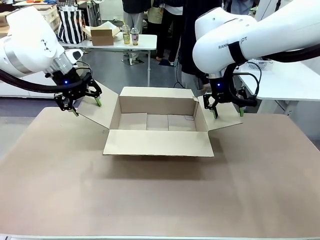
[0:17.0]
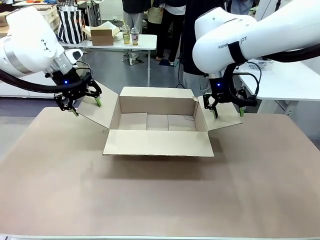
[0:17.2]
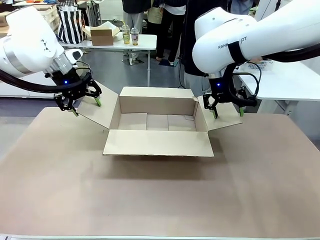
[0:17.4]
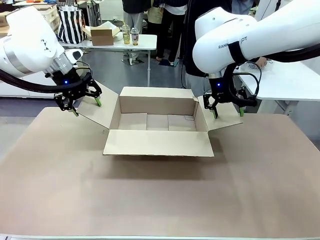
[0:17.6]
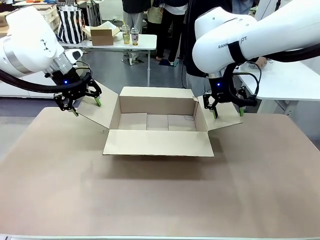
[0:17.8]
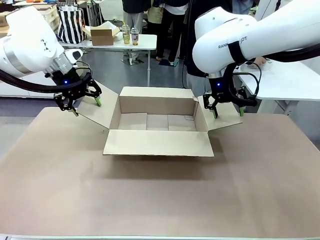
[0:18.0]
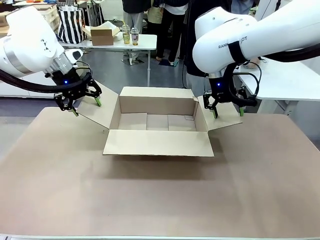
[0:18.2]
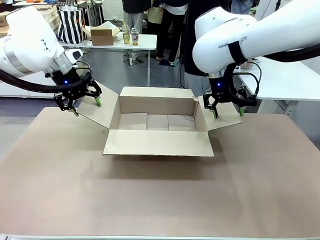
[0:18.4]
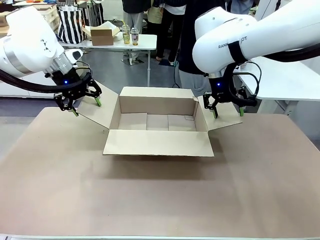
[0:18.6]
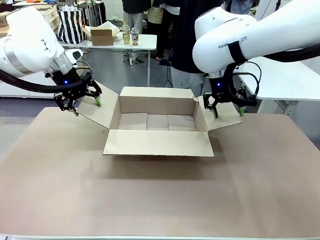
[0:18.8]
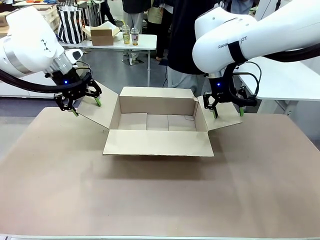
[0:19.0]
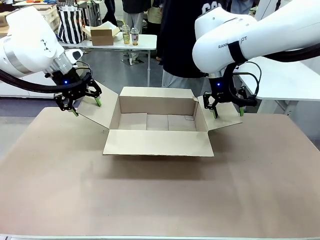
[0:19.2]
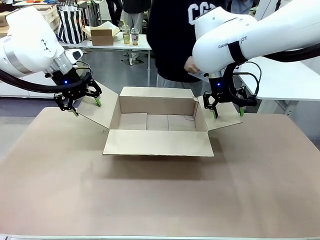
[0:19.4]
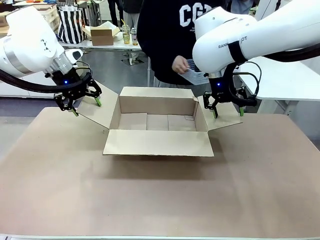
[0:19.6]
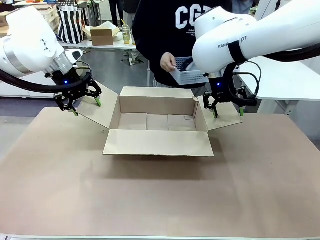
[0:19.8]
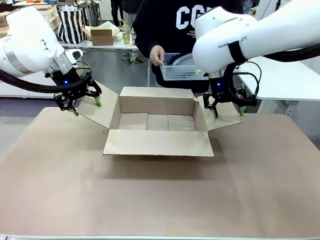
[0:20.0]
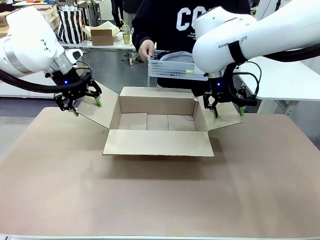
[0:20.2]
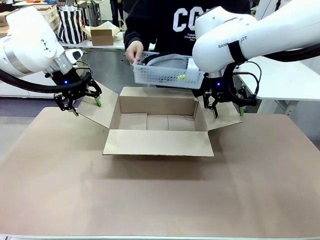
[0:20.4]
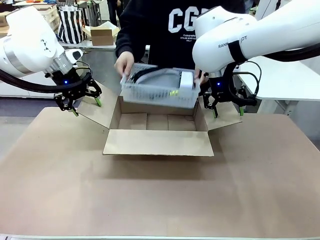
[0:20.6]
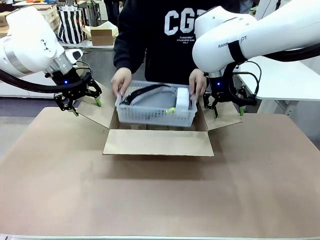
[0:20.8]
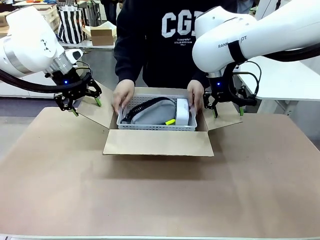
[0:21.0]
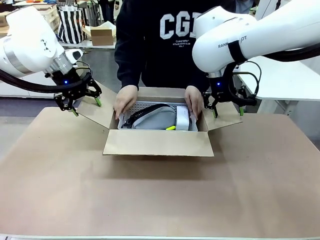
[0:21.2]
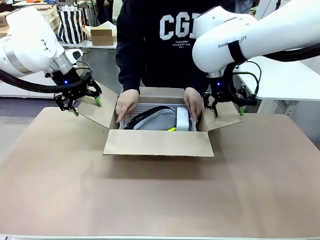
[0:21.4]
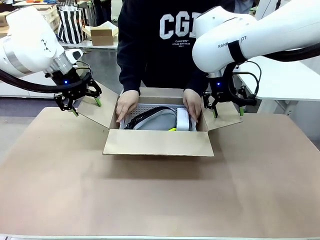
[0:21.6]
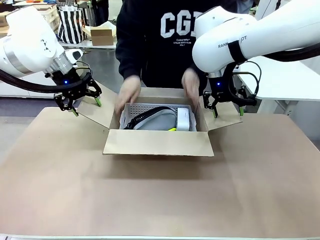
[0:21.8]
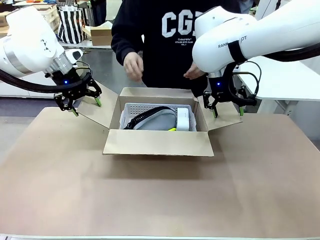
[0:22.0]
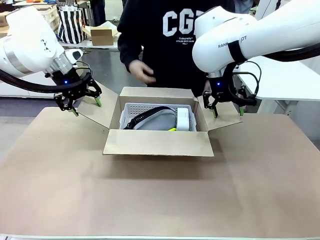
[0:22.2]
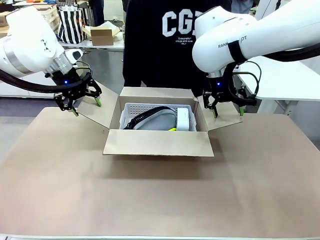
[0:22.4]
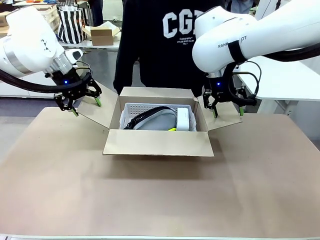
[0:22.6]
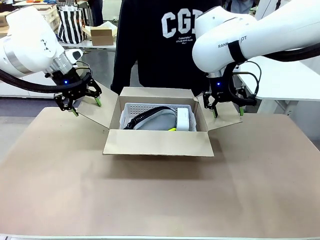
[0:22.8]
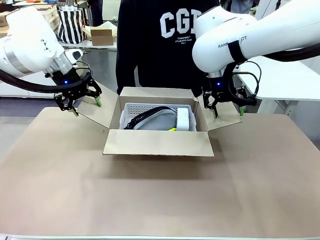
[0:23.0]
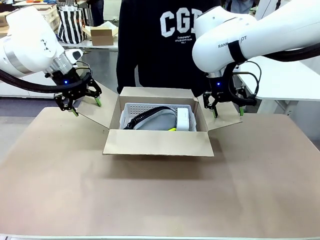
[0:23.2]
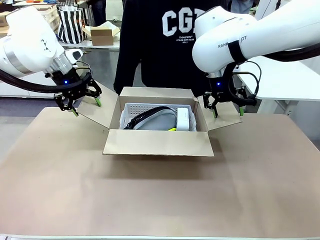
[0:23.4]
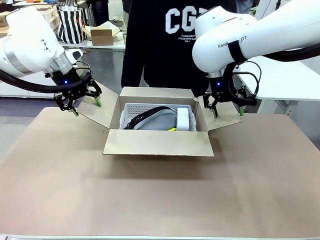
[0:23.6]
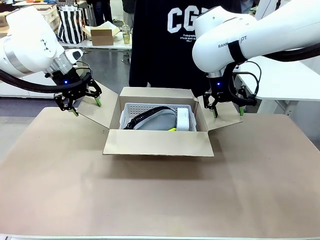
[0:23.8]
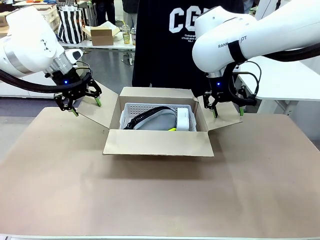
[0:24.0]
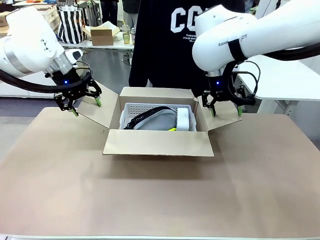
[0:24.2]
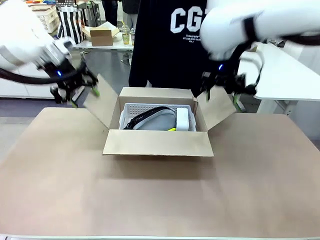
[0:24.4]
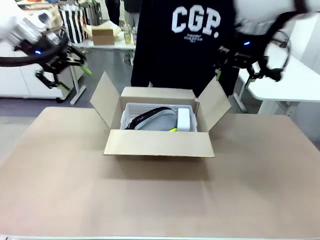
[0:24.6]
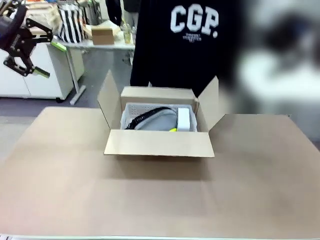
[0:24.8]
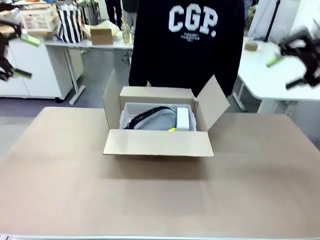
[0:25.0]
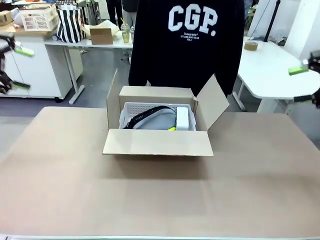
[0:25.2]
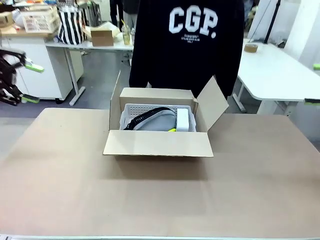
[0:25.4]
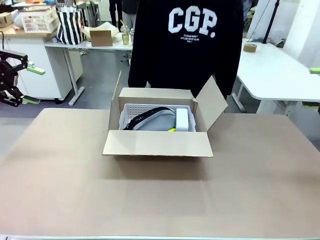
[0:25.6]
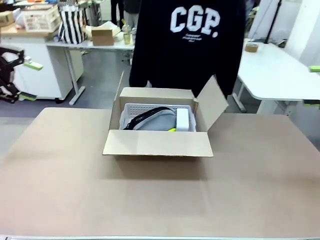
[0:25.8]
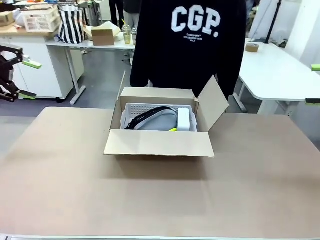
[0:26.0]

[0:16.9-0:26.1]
Task: Pack the gift set into the box.
Robot: Lift both hands away from the flaps of the Package Box.
Person: The human picks up the organizing basket and places the organizing basket into the package box on the robot table.

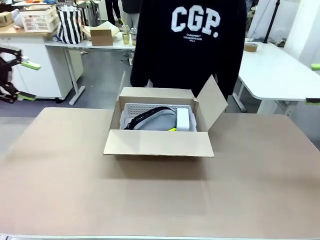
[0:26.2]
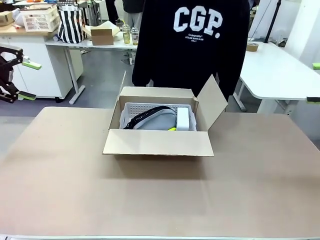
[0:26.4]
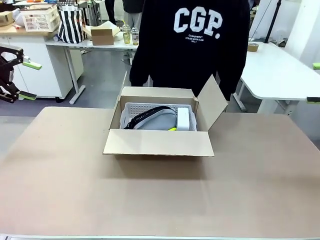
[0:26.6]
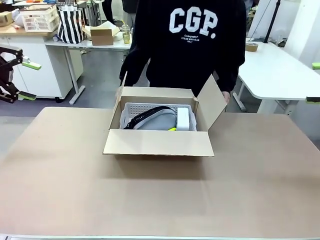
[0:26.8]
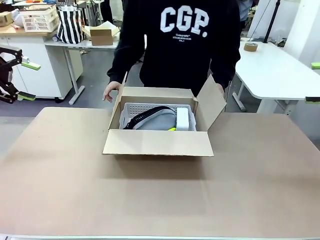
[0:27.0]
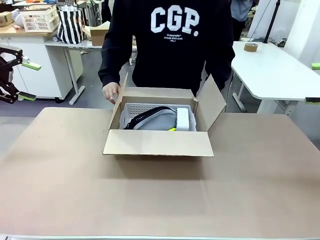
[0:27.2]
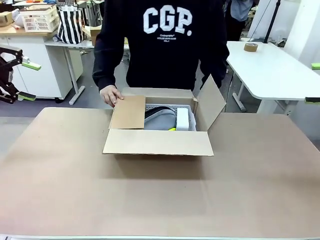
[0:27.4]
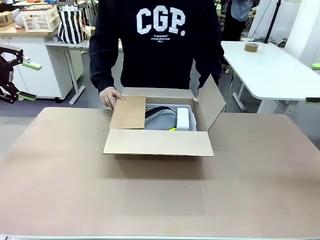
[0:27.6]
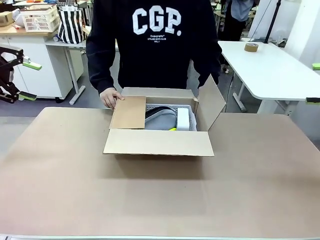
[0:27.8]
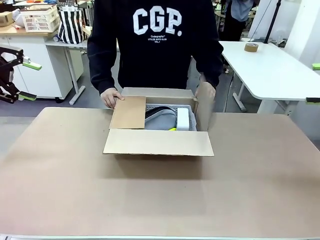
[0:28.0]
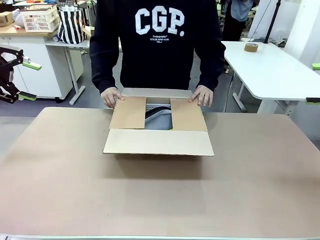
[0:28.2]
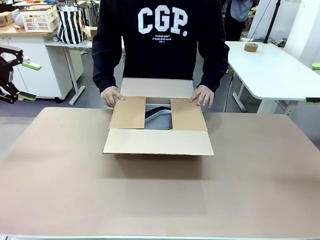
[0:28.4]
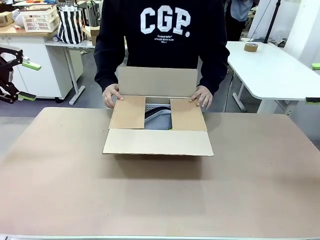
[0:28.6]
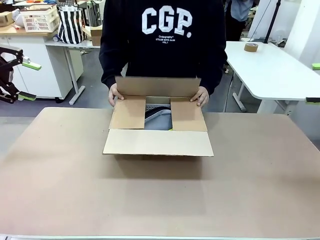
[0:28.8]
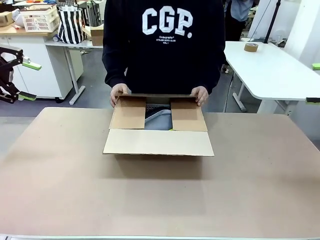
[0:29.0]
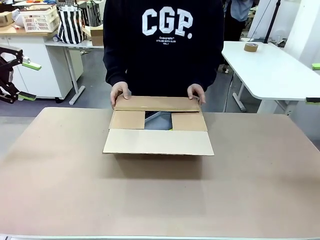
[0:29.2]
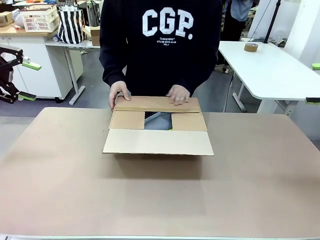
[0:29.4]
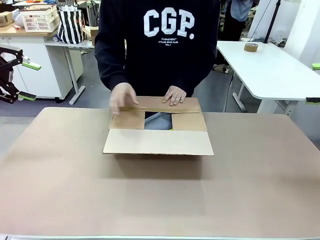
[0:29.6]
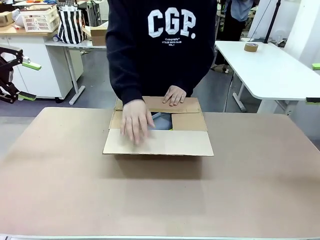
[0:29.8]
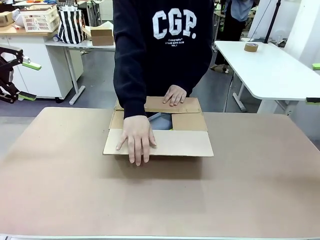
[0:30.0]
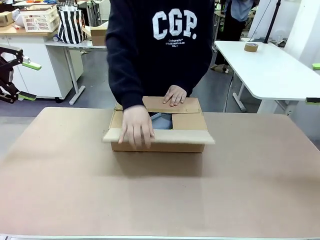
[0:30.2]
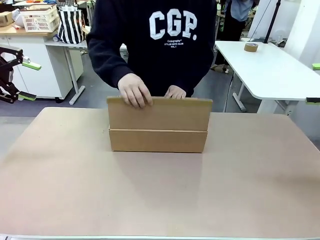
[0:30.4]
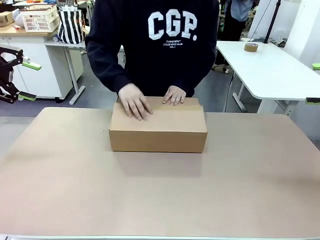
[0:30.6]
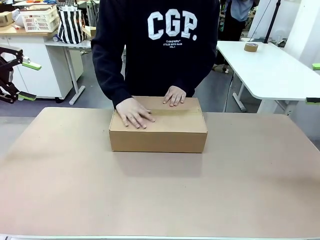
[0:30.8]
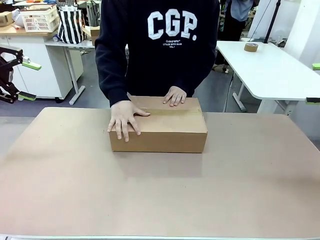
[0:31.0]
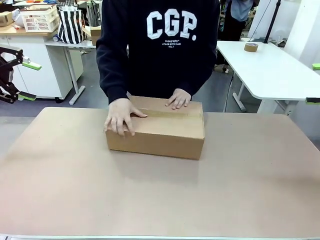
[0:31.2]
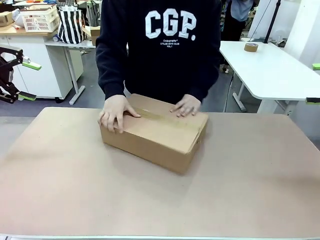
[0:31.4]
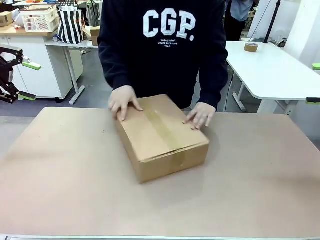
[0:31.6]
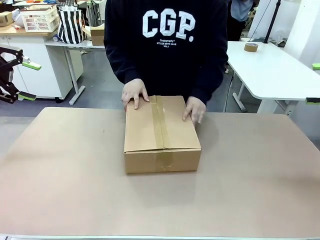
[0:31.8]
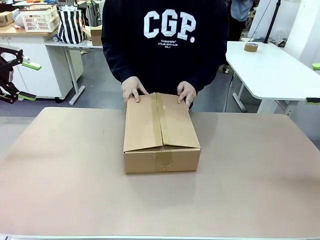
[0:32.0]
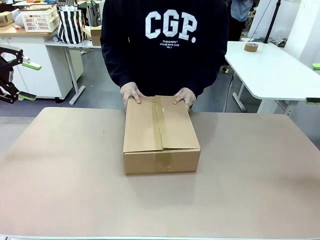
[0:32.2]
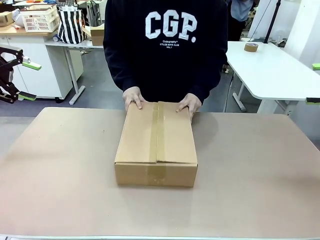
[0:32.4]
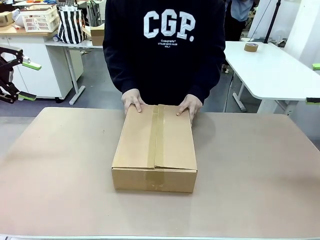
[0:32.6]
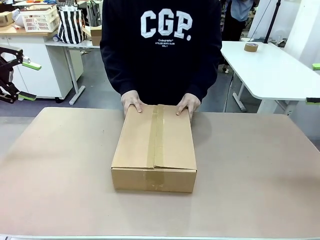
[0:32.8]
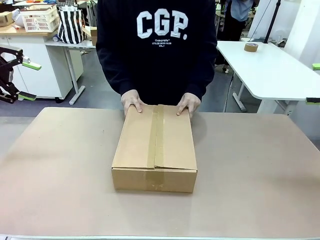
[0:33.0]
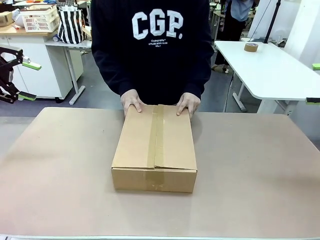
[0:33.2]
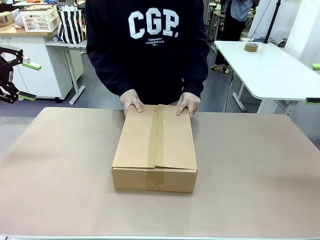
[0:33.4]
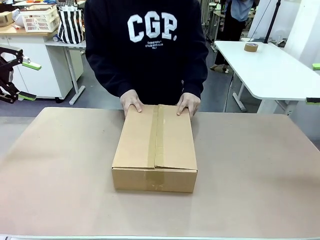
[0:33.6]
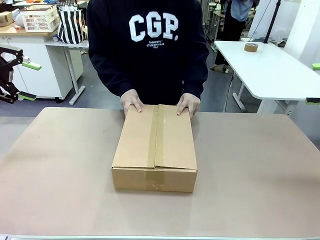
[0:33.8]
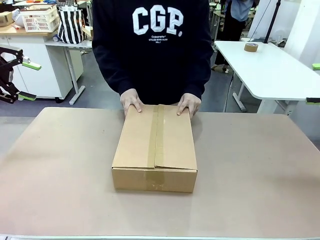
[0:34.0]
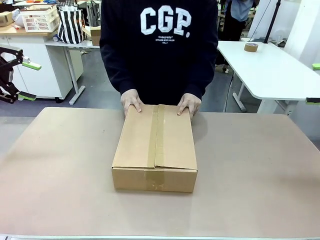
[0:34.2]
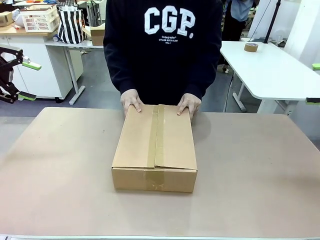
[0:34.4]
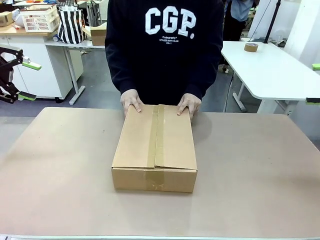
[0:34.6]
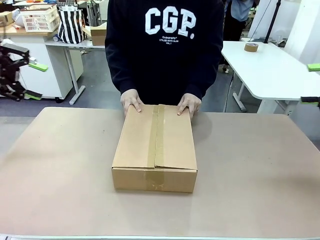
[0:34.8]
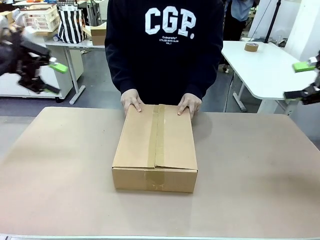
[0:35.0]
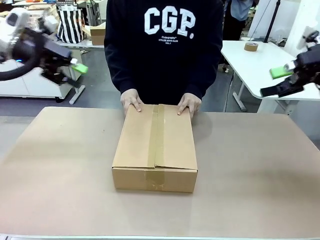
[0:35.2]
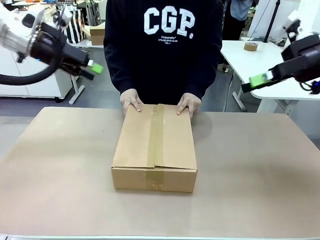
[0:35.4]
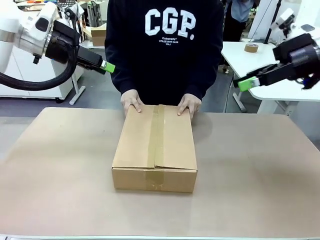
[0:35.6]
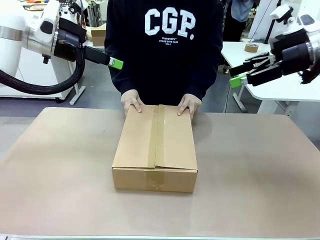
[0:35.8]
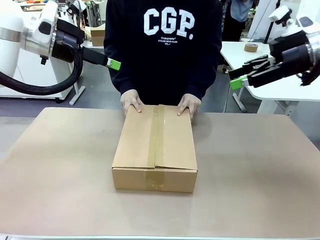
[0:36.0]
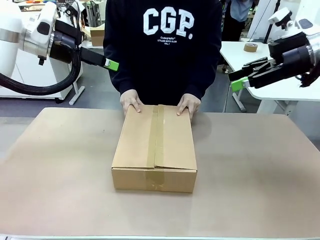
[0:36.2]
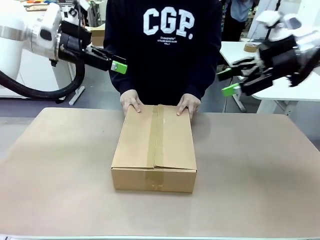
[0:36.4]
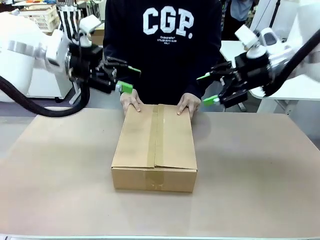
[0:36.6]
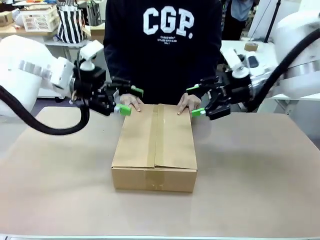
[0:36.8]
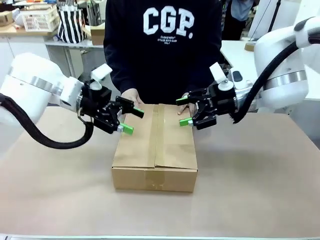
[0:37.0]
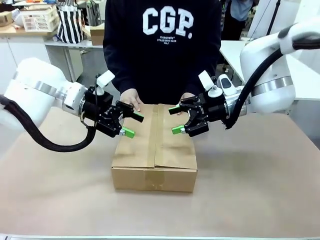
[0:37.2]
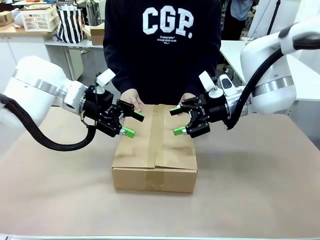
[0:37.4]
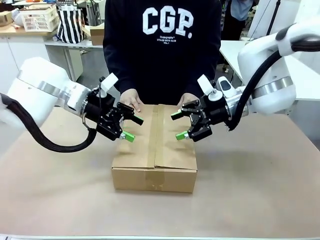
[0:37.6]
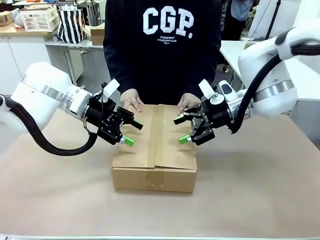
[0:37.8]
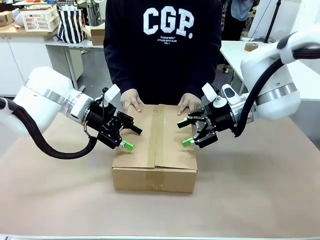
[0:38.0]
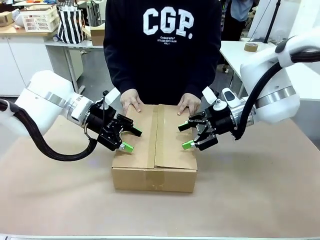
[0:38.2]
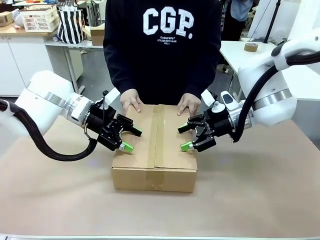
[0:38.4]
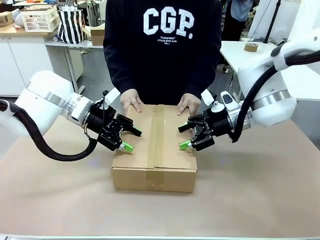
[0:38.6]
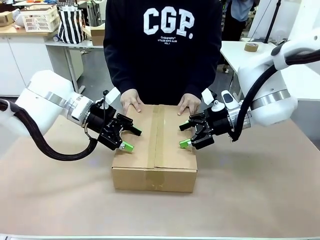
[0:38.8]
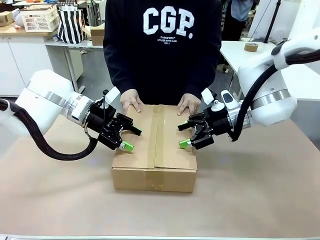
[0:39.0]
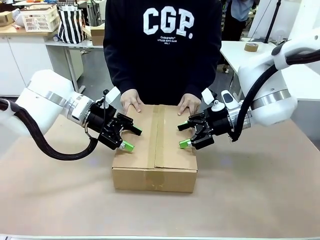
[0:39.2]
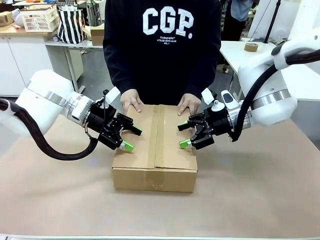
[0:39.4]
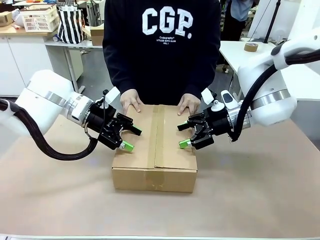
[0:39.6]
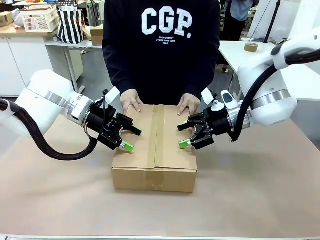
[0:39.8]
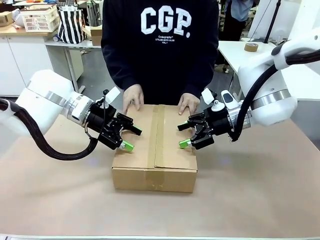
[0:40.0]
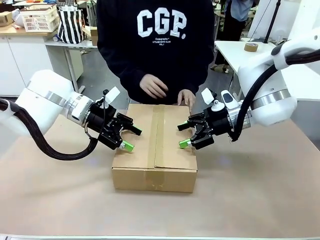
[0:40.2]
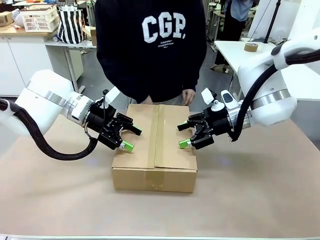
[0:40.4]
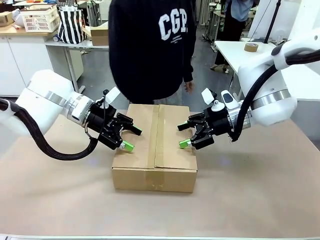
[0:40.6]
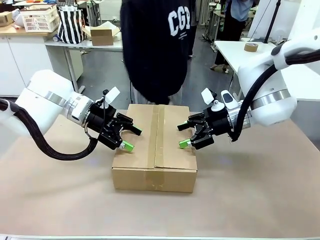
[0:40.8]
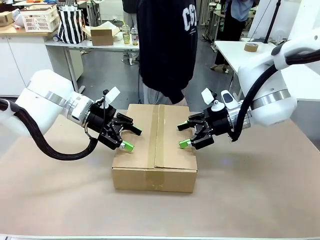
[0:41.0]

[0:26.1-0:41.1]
Robot: Press and hold the closed box until the human finishes sealing it.
Person: The human closes the box and rotates the box by 90 degrees.
